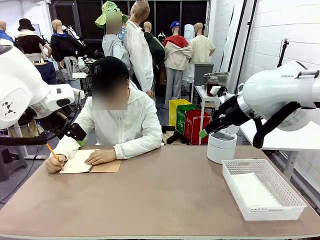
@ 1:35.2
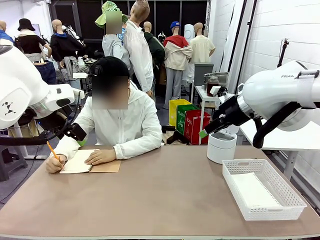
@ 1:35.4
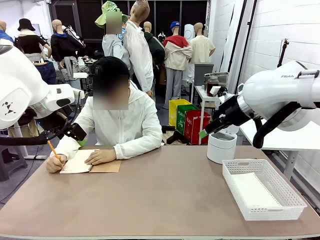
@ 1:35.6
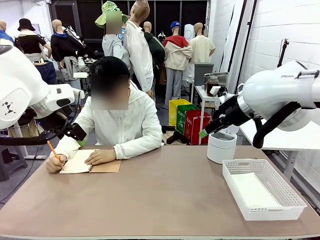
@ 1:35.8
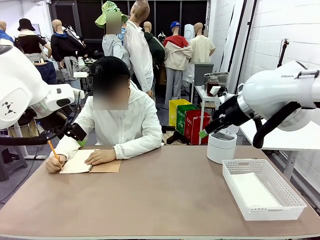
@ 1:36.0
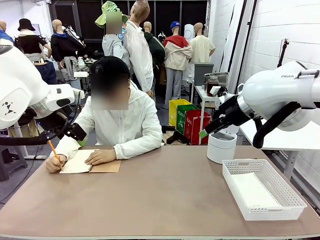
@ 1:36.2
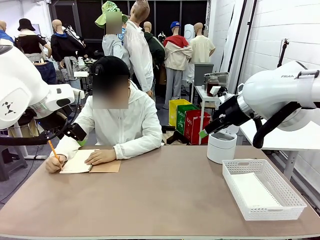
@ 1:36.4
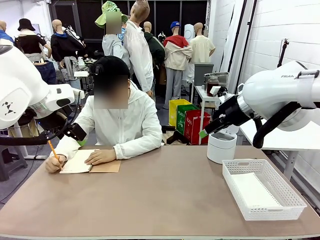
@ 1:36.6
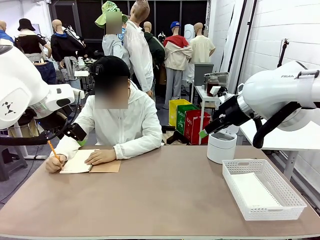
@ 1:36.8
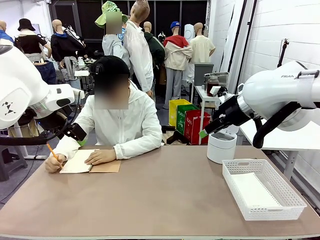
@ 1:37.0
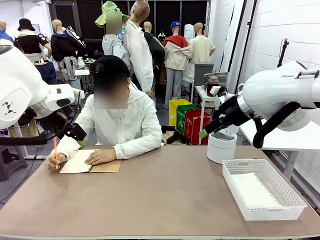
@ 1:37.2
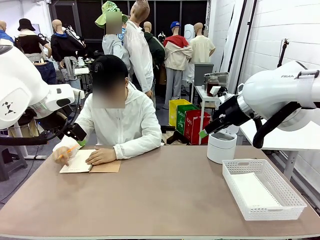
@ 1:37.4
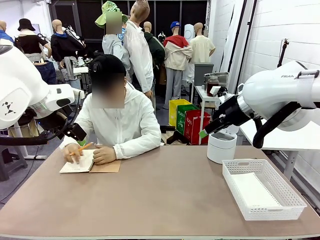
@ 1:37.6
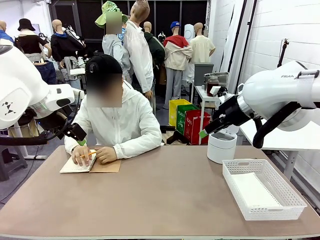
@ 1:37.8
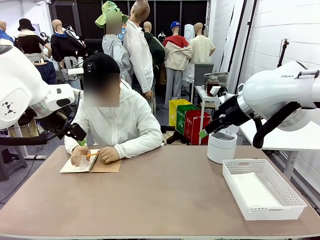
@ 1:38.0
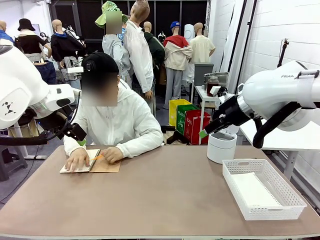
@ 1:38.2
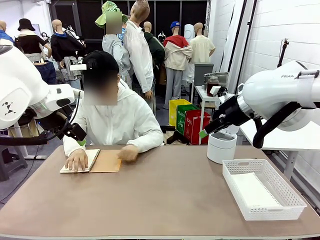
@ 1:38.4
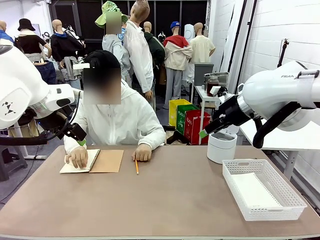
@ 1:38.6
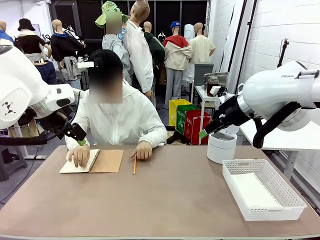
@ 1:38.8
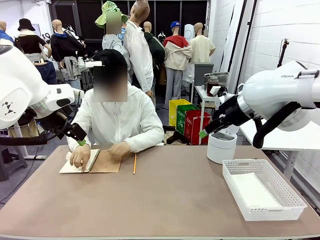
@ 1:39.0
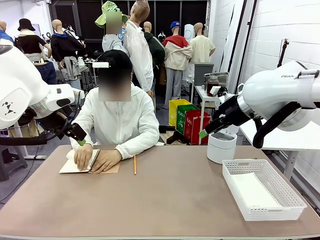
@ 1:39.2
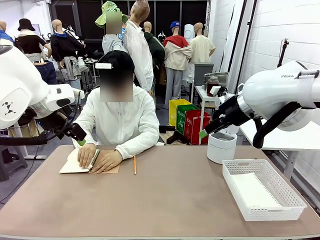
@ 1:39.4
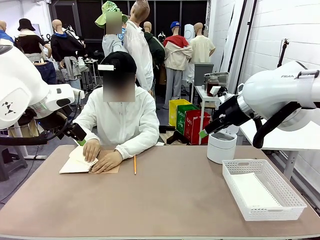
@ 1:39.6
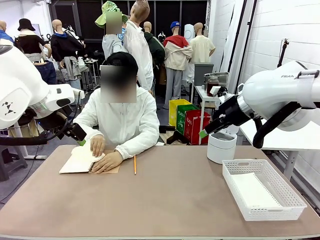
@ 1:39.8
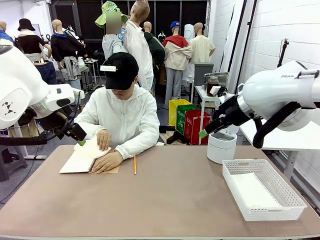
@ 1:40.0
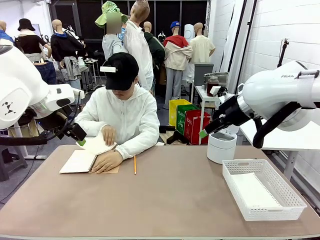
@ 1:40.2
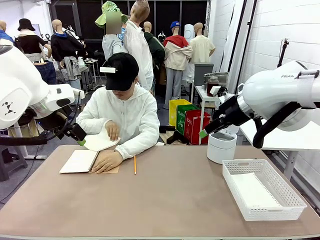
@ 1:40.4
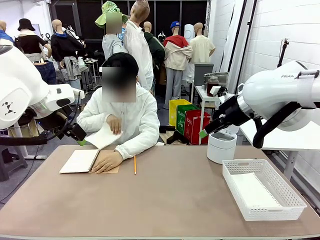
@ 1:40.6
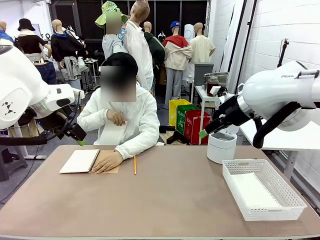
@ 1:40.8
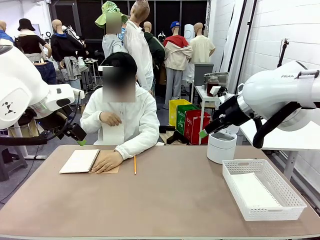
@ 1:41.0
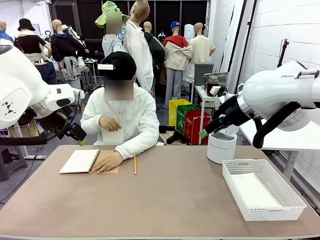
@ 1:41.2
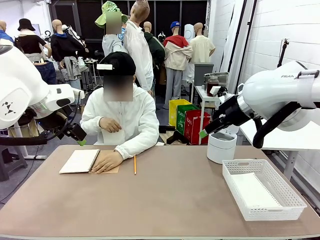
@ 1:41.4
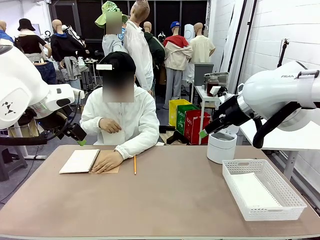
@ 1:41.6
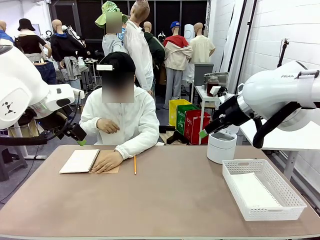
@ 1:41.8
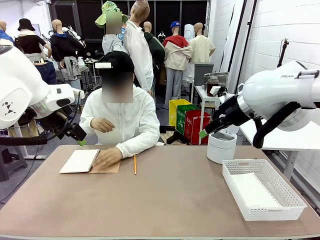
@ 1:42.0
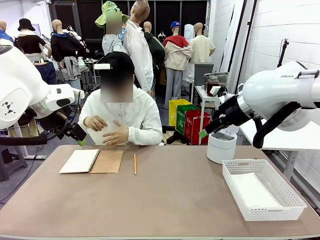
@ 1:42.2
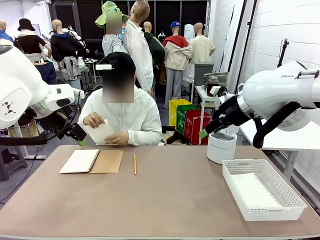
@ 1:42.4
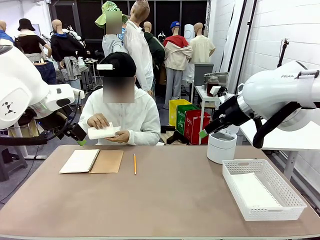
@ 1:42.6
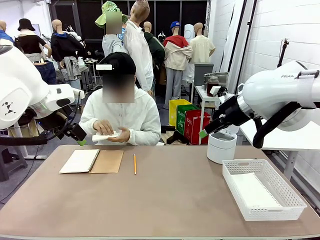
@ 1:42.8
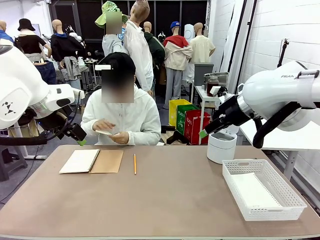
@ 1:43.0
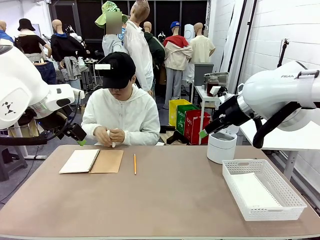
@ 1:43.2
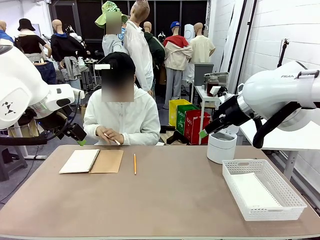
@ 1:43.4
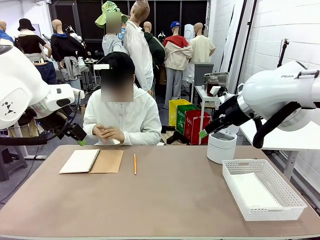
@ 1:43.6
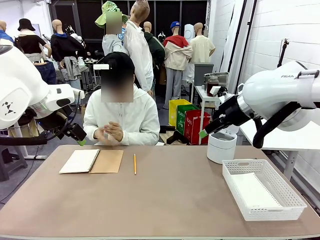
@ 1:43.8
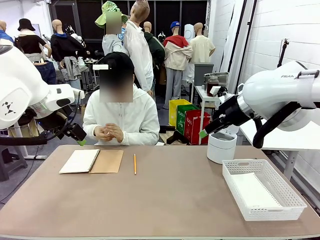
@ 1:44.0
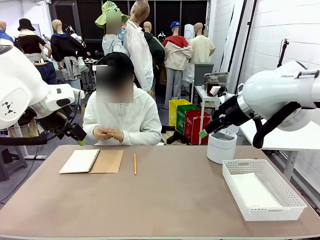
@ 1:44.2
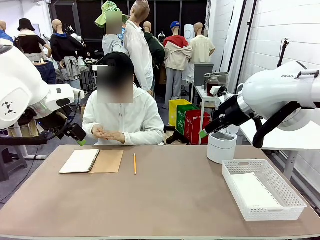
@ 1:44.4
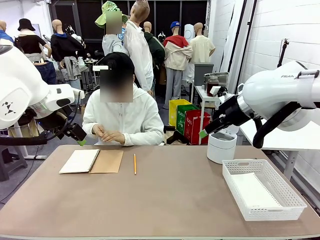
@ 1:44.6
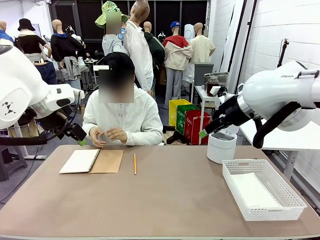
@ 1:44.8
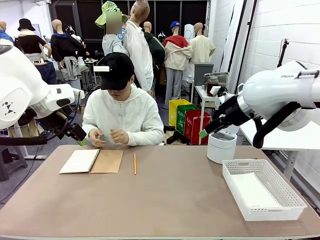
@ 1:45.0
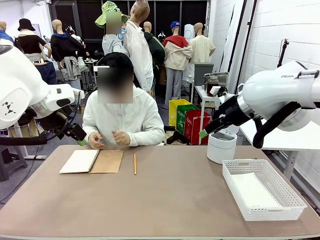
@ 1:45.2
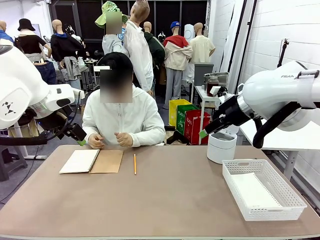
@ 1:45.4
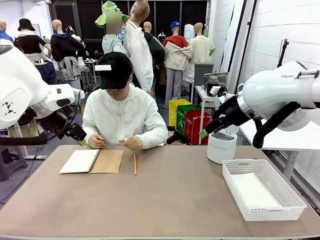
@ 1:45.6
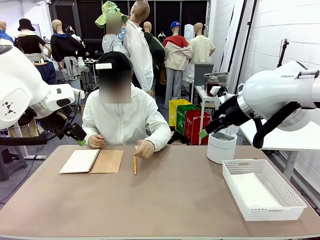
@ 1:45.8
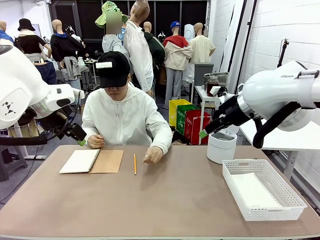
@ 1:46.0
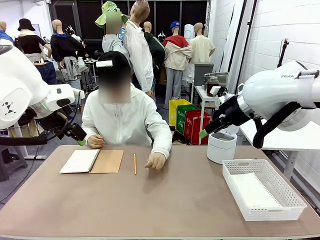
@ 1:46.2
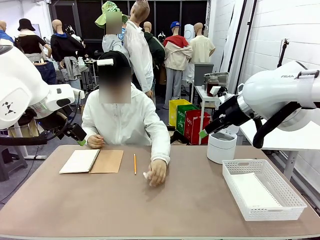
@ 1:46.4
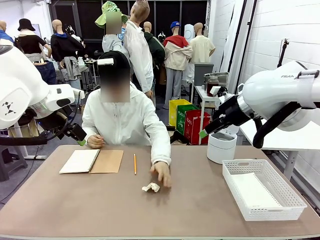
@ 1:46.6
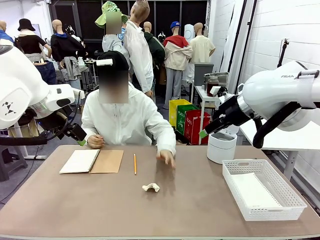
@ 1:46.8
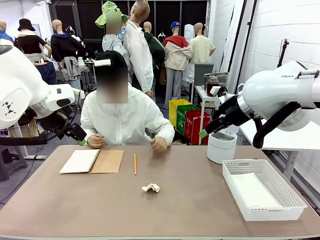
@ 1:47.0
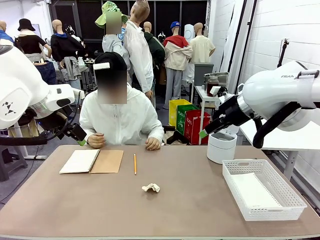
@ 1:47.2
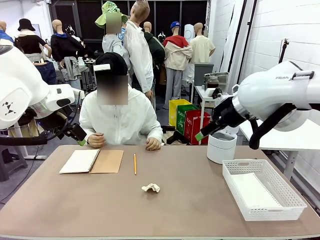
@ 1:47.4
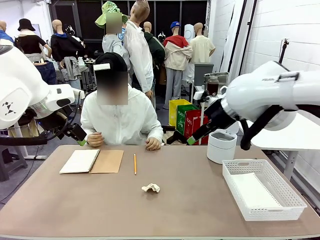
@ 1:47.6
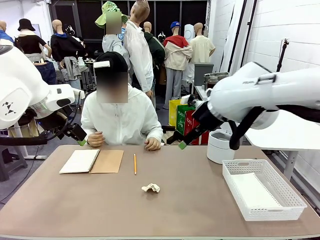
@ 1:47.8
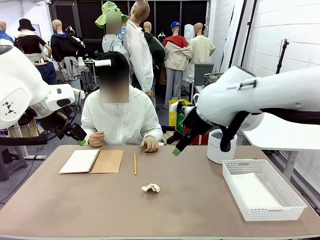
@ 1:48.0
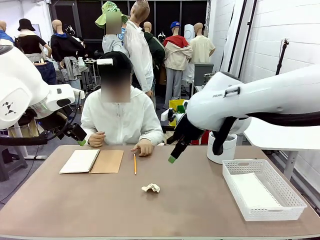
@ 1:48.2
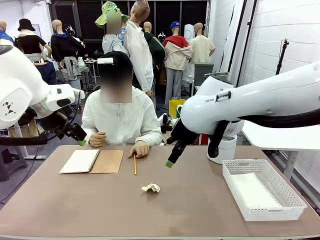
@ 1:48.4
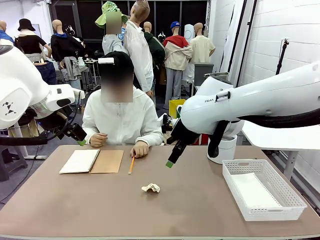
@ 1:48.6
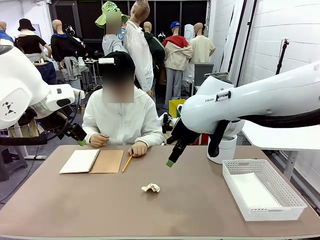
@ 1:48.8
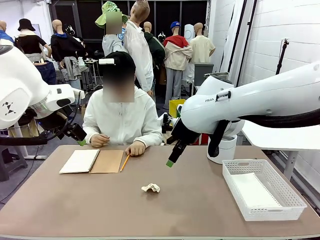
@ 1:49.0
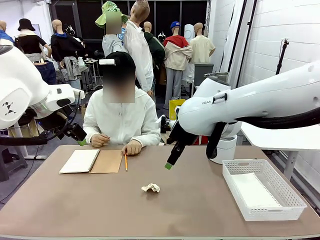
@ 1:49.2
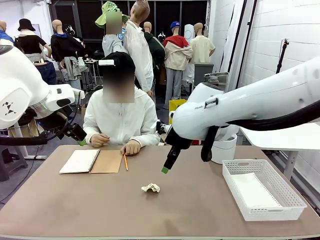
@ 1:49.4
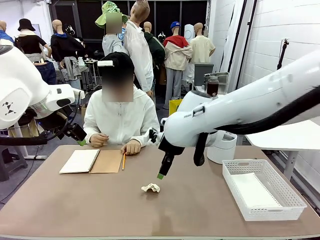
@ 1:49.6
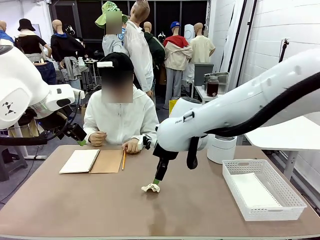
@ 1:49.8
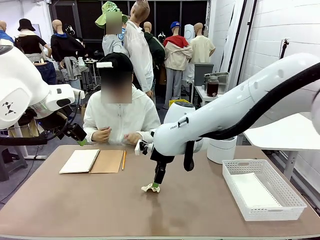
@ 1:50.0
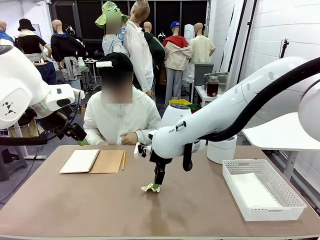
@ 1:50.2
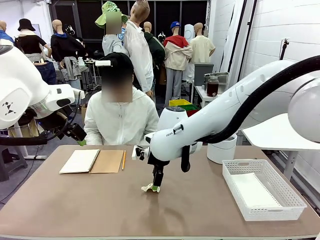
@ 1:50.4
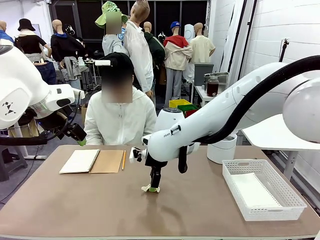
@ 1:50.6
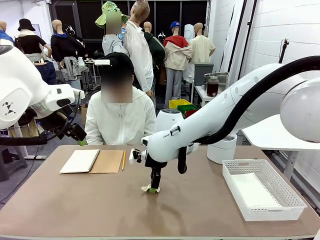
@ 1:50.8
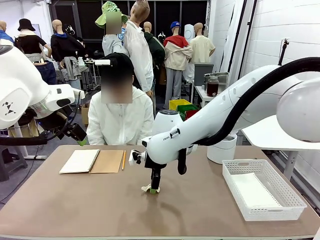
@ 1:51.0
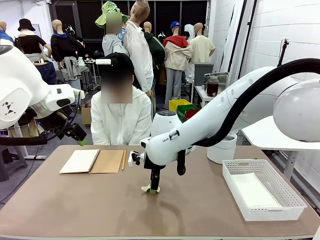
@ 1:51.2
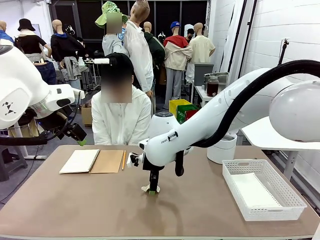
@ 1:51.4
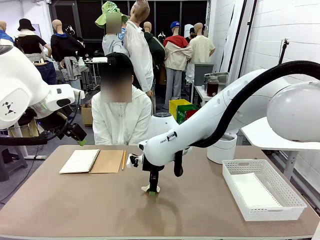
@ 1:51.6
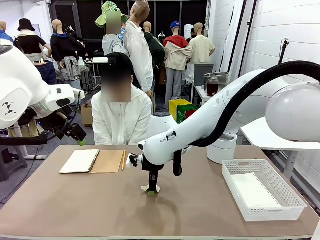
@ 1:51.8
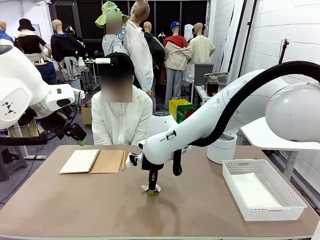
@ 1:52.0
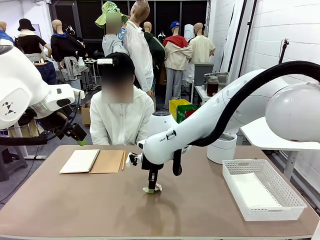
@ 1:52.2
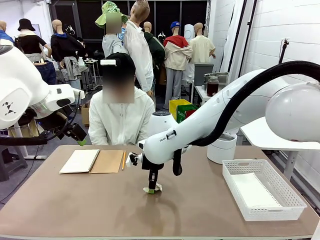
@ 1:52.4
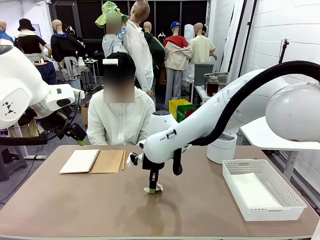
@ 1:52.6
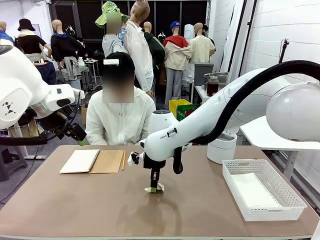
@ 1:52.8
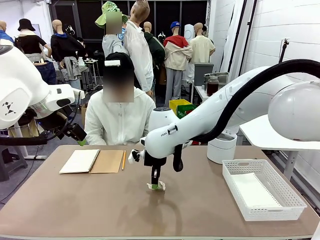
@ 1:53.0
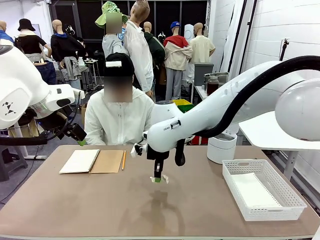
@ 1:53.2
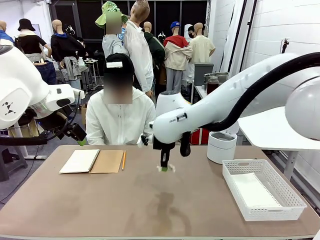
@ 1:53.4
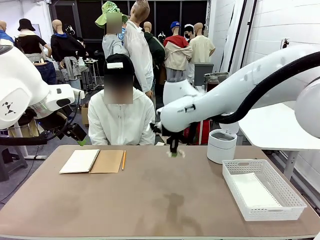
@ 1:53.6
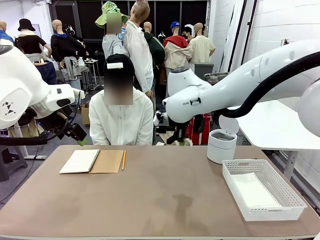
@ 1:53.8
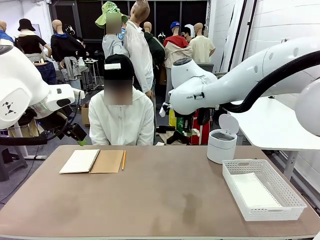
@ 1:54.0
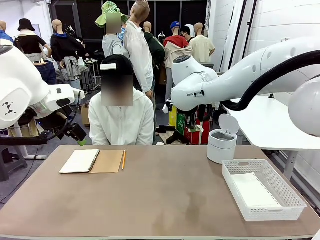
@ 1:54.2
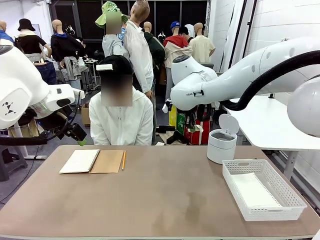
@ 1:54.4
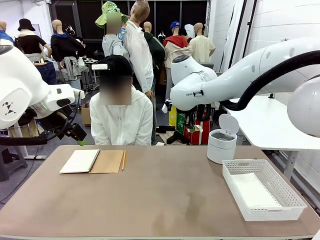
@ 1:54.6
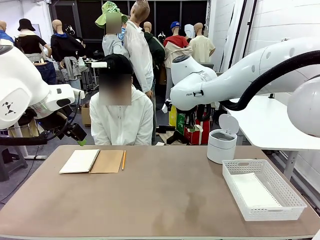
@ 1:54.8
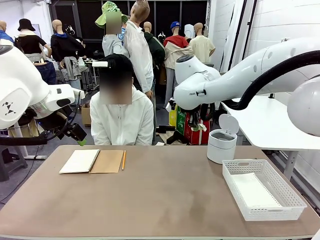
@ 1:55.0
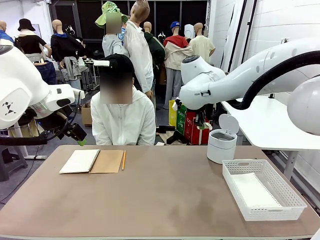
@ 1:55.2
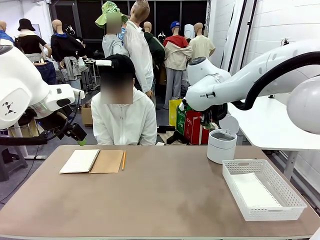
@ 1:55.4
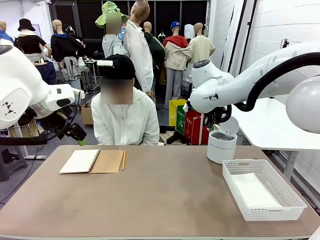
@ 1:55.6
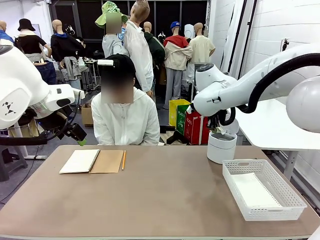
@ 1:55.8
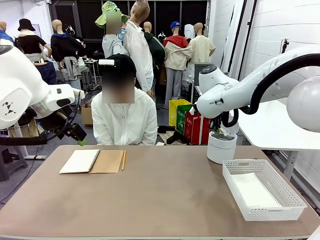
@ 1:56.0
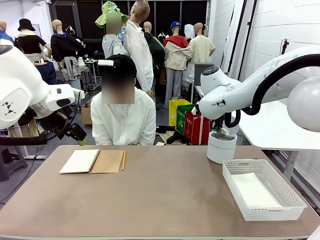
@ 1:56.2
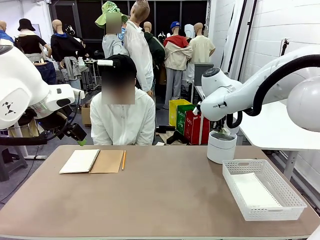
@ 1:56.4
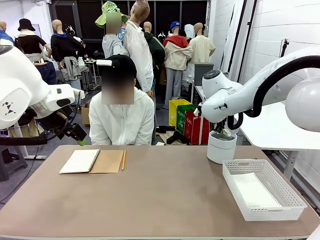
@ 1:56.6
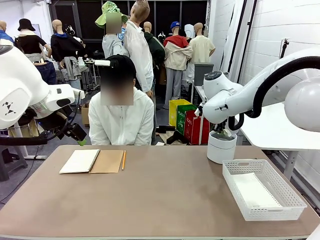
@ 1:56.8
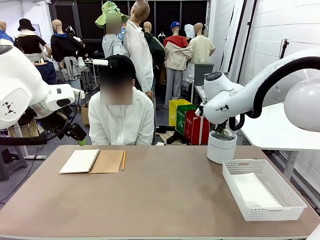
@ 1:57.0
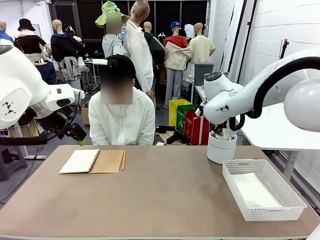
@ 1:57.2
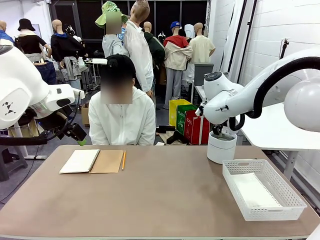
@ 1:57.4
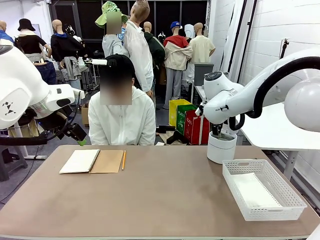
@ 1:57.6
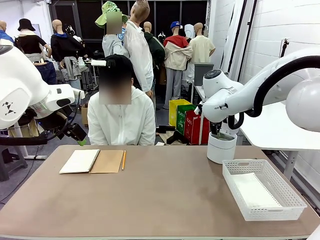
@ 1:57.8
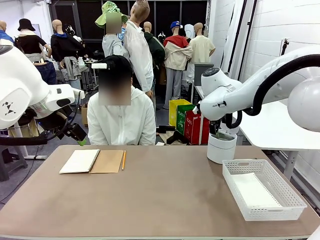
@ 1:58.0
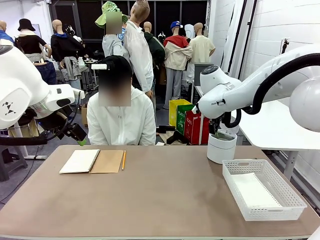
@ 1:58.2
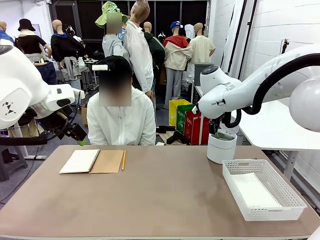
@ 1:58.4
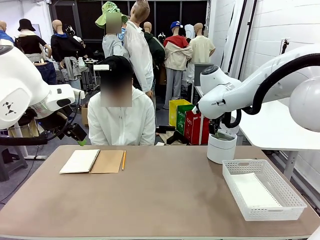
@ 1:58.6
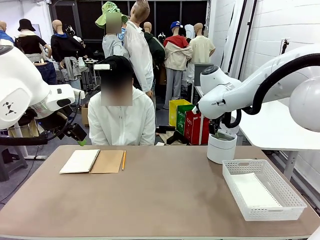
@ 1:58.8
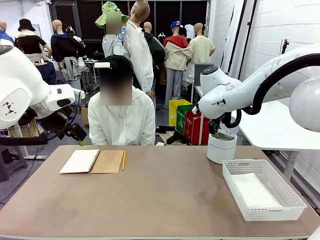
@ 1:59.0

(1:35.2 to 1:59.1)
Task: Sort the paper based on its condition.
Robot: If a person hands you a paper, place it in the Organizing basket , and if it's crumpled, put it in the Trash can.
Person: Hand the torn page to the robot or crumple it and throw it to the center of the table.
